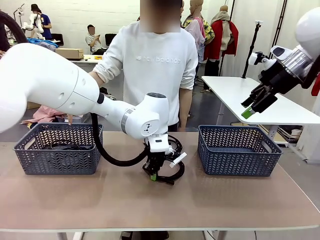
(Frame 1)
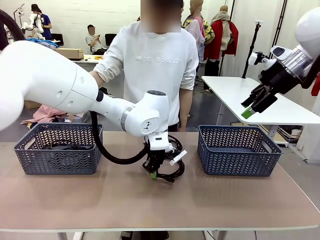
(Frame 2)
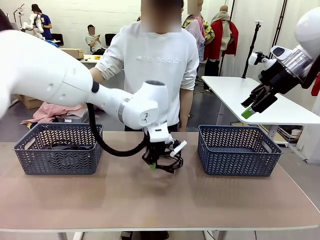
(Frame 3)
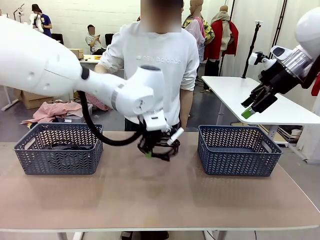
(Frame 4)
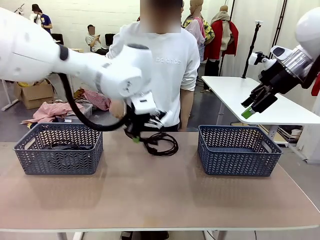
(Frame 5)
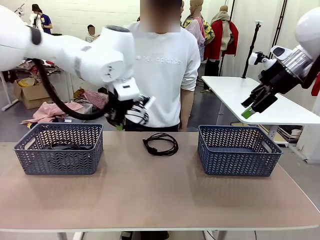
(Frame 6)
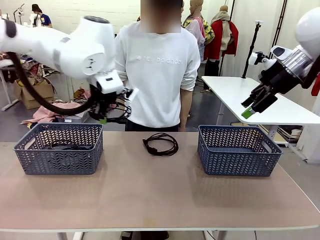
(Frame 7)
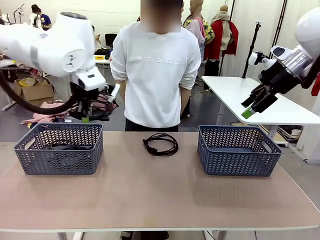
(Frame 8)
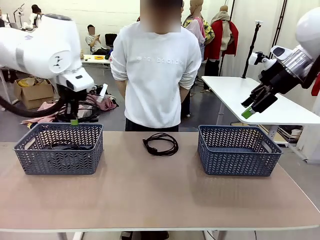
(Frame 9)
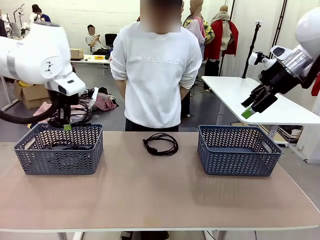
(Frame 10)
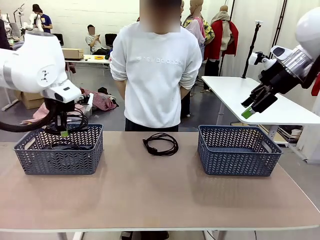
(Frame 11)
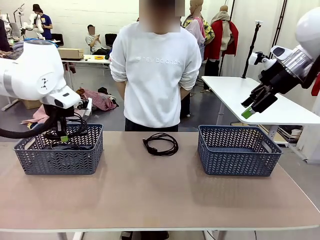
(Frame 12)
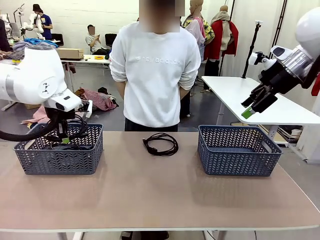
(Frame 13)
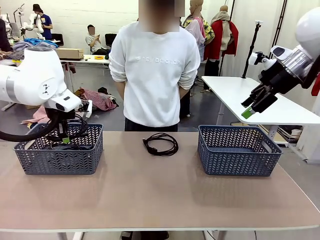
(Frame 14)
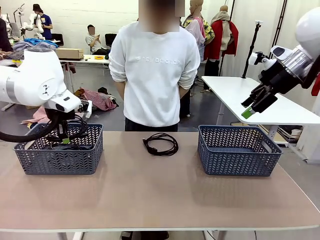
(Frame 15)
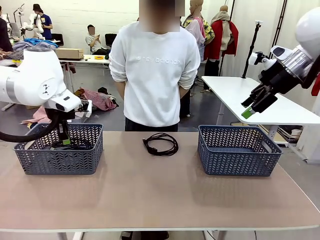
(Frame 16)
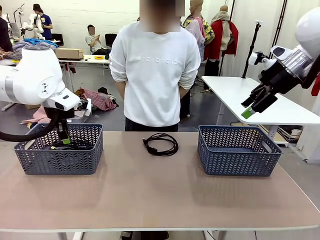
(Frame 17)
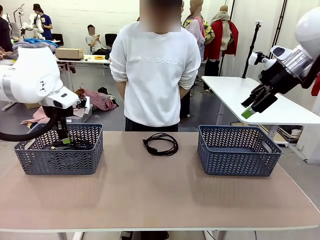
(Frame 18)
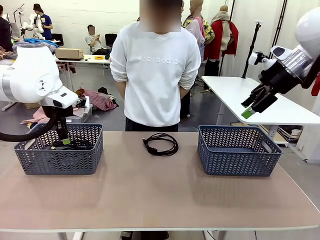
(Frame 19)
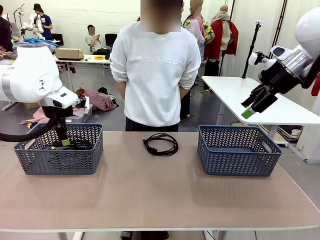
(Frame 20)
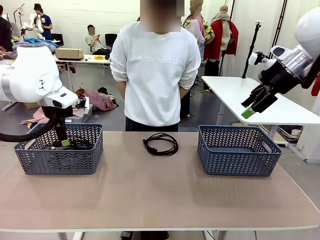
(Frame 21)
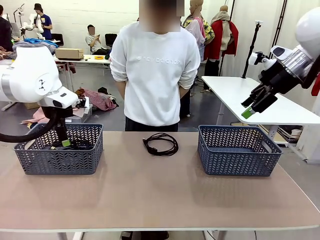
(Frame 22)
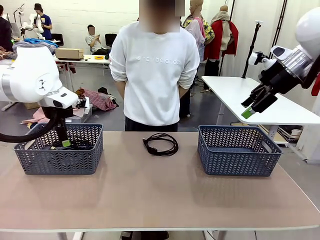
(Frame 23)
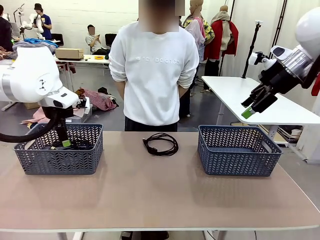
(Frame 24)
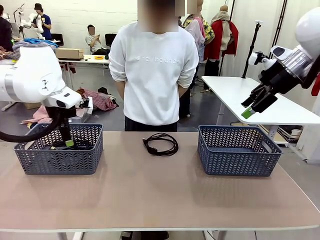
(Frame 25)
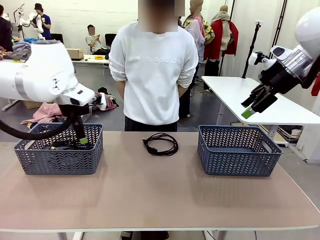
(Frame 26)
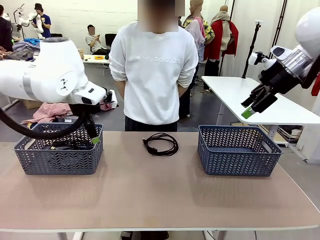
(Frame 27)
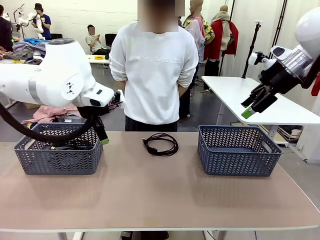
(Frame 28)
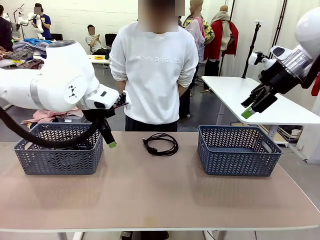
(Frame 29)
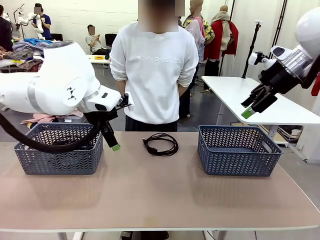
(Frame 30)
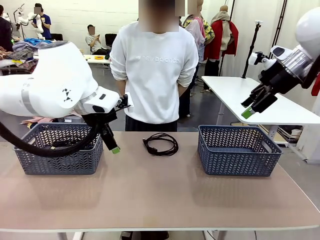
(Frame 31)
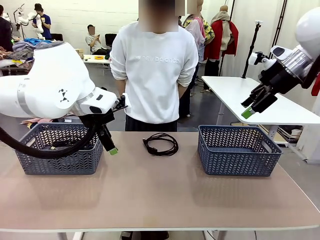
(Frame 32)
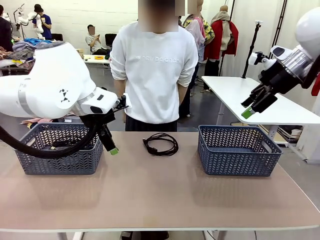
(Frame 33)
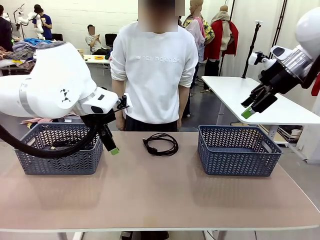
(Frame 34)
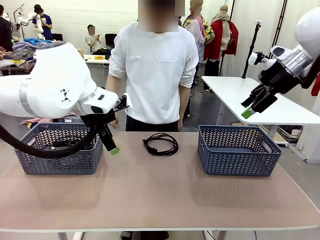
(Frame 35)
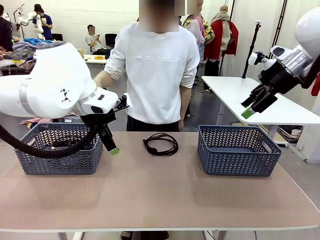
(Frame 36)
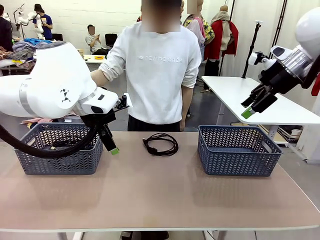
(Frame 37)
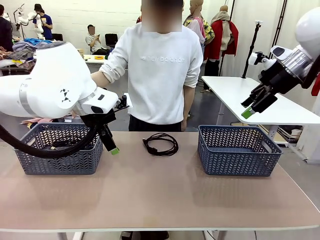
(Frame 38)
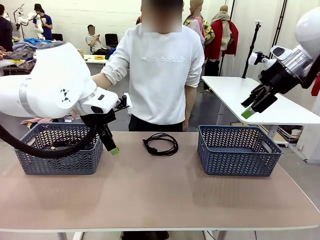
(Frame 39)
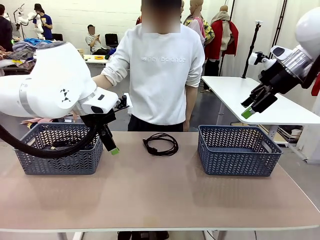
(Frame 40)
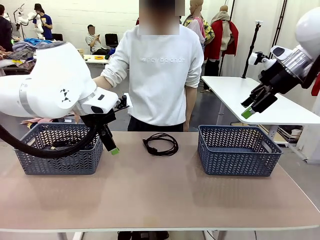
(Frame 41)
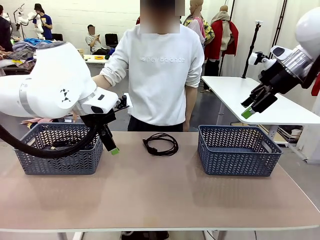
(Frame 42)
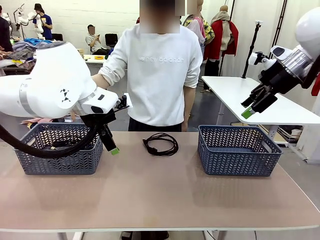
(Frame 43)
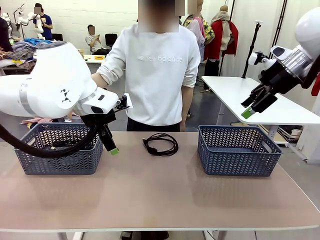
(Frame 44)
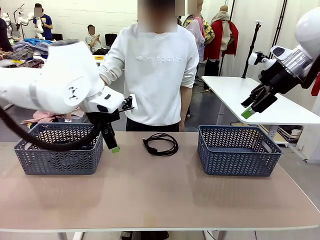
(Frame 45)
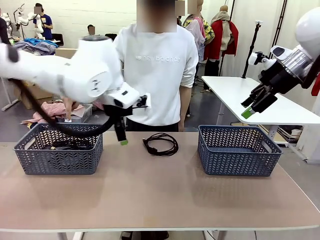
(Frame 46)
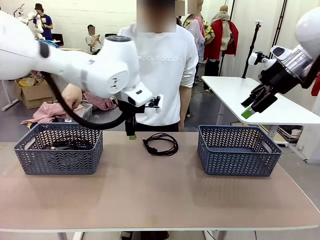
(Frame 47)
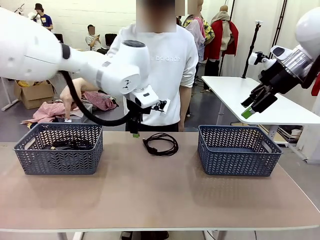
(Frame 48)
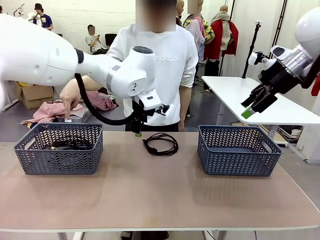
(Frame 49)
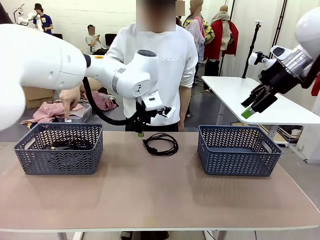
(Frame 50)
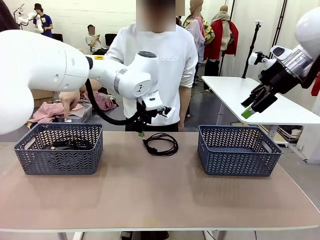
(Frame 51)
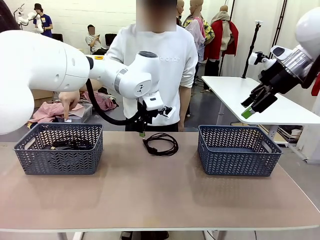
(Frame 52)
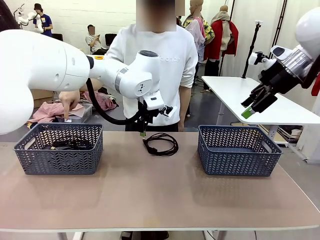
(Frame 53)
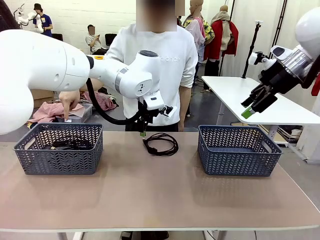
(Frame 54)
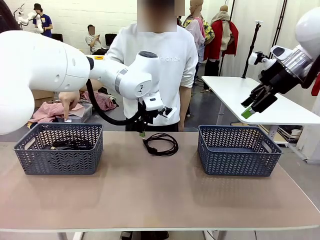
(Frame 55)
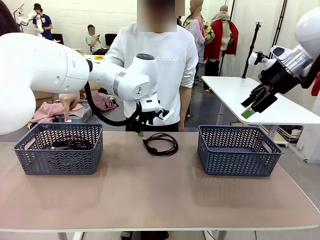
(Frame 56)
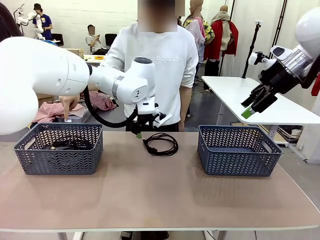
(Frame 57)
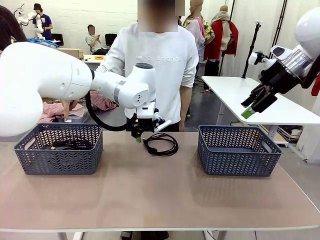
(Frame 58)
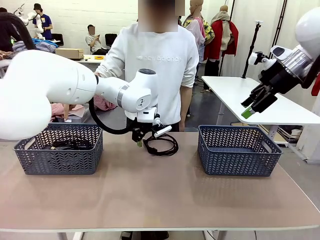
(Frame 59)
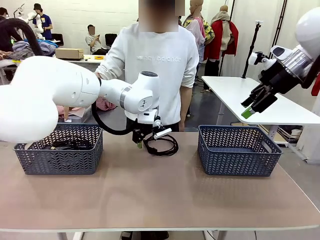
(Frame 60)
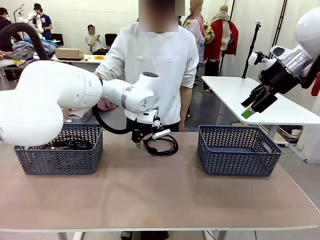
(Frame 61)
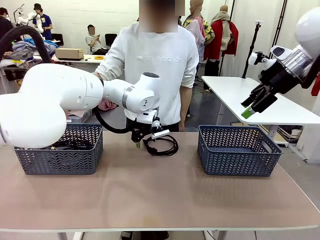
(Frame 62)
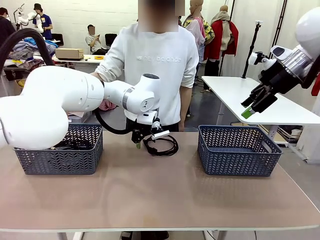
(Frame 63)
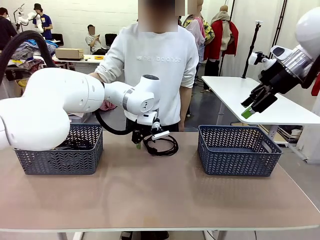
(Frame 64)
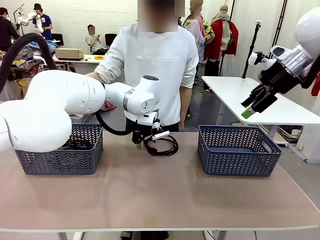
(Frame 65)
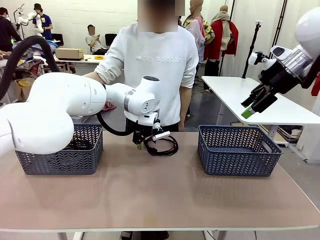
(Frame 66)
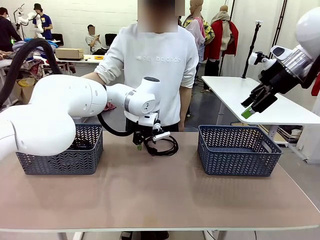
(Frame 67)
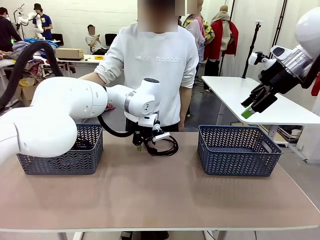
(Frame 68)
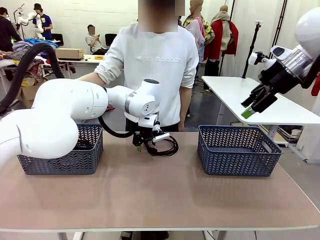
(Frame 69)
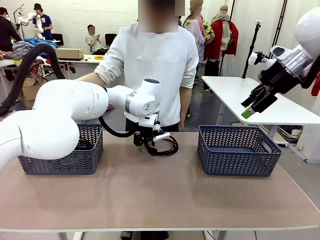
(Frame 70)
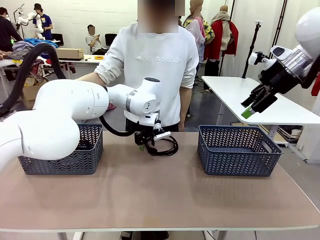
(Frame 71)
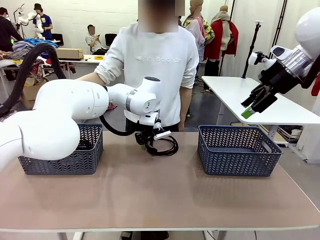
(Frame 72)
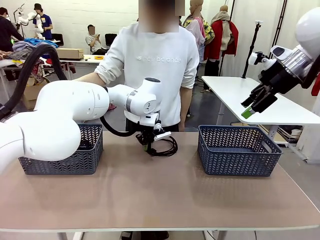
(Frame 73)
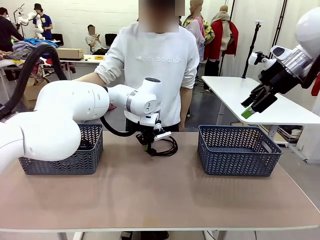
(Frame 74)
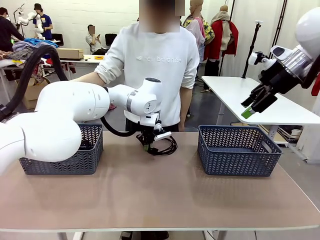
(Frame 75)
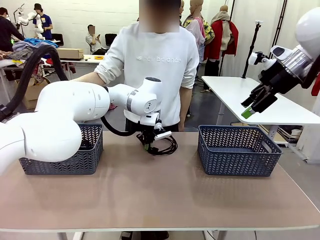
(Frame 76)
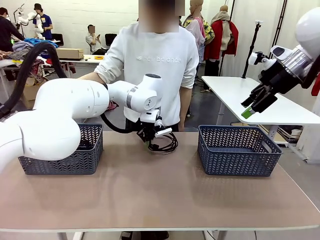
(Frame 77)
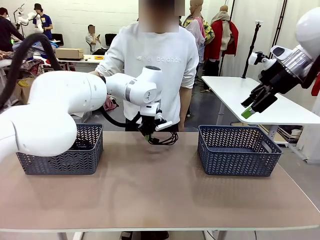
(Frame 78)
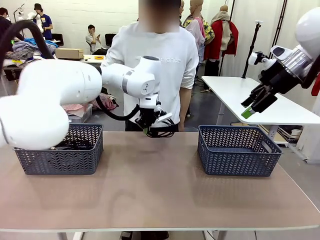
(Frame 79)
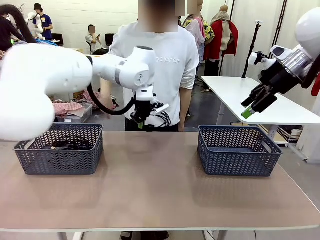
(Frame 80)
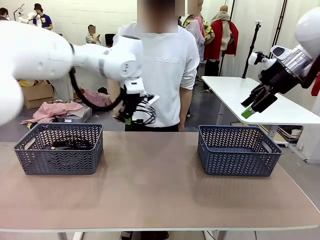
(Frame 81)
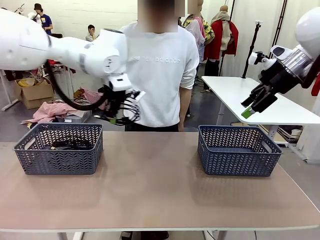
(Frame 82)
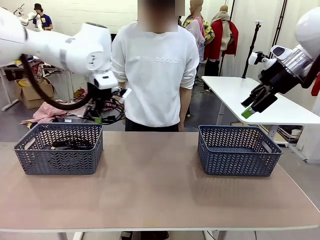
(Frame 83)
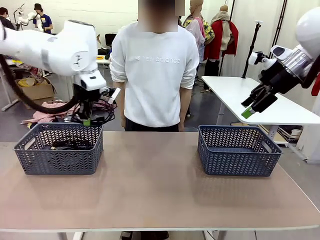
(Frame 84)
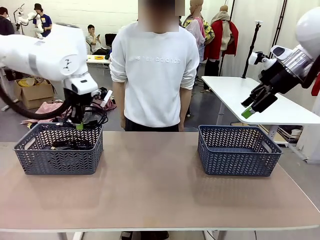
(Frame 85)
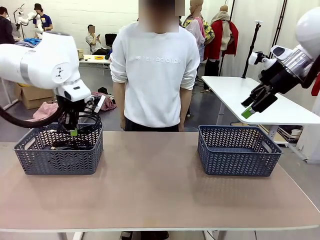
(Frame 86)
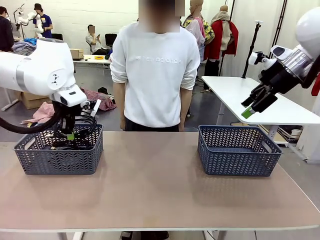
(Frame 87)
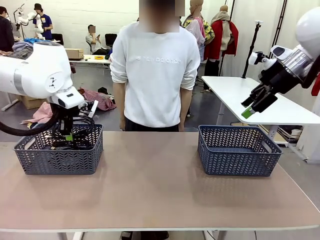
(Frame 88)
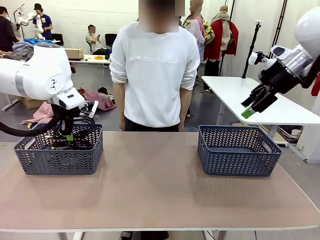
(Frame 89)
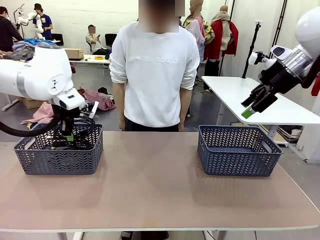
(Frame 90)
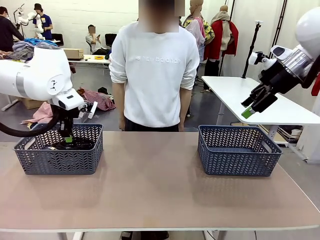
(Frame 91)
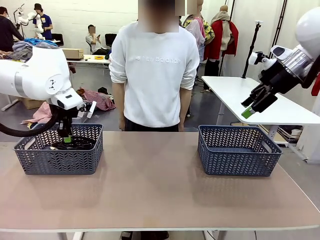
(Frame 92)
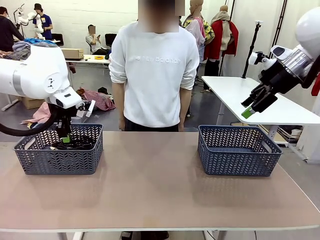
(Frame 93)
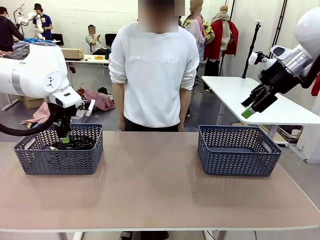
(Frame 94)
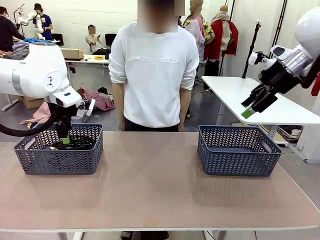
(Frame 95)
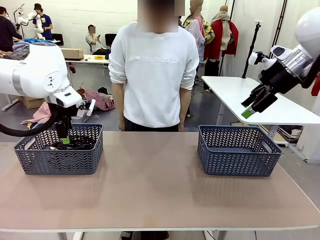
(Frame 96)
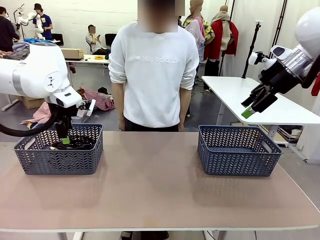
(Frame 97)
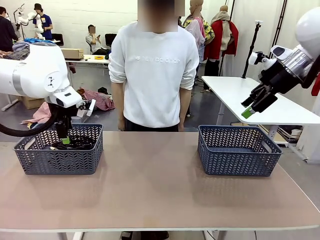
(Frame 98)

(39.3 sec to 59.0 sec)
Task: Organize the cables according to human instructions.
Robot: Pick up a bundle of cables and place it in the basket indicated by the human.
